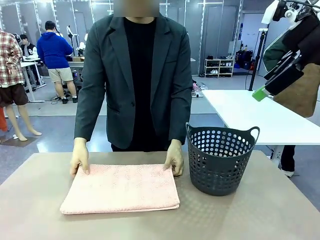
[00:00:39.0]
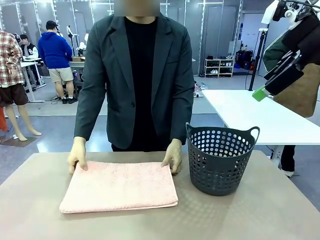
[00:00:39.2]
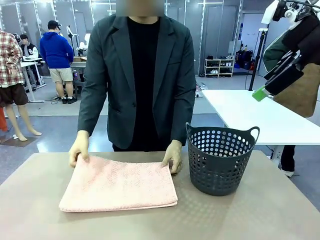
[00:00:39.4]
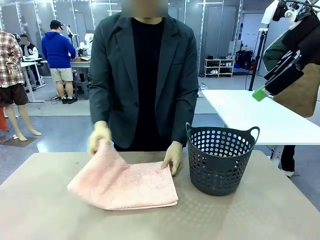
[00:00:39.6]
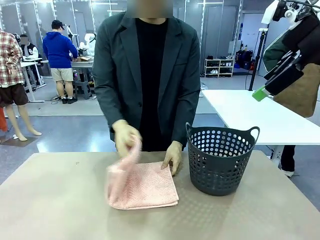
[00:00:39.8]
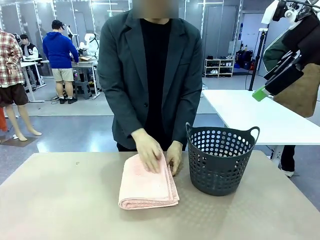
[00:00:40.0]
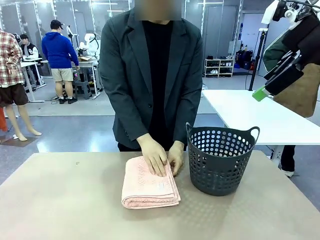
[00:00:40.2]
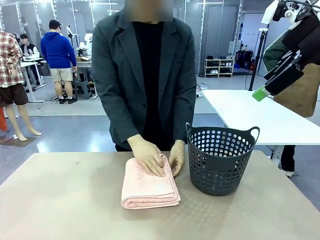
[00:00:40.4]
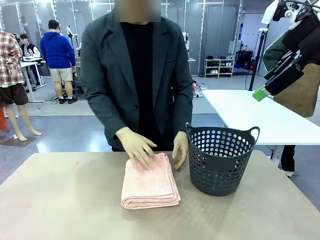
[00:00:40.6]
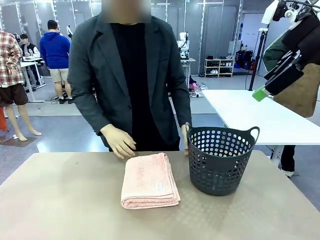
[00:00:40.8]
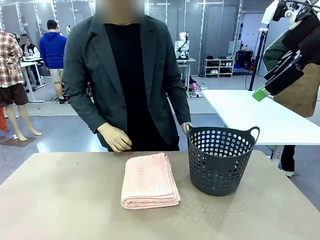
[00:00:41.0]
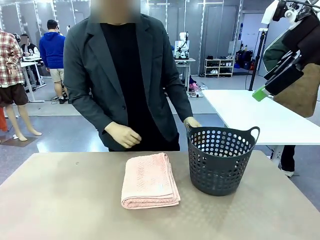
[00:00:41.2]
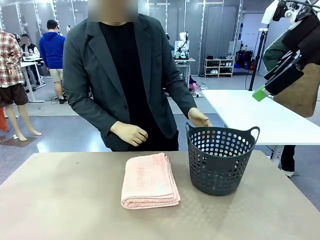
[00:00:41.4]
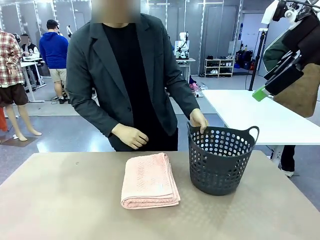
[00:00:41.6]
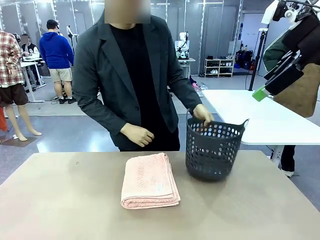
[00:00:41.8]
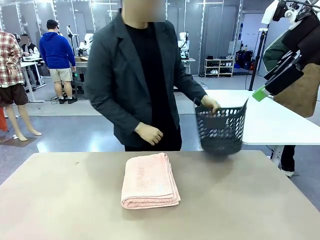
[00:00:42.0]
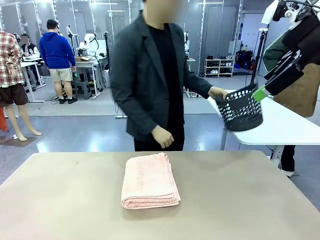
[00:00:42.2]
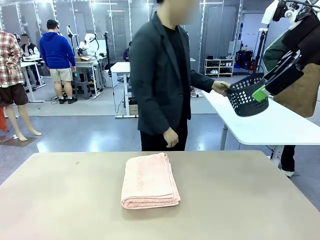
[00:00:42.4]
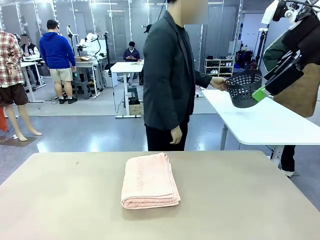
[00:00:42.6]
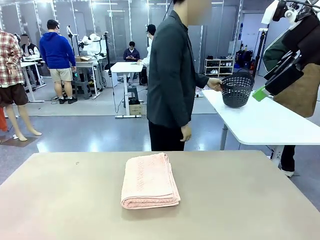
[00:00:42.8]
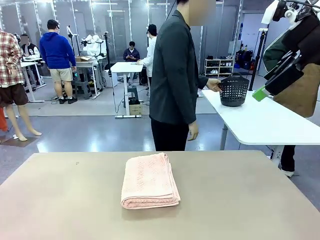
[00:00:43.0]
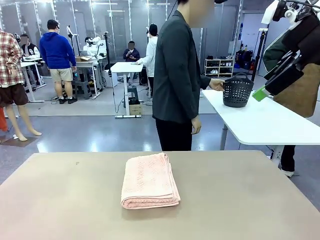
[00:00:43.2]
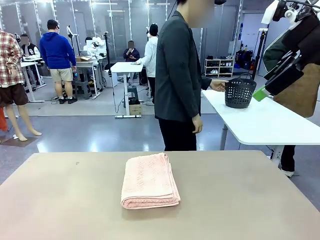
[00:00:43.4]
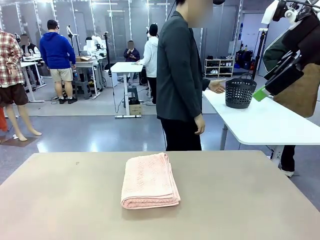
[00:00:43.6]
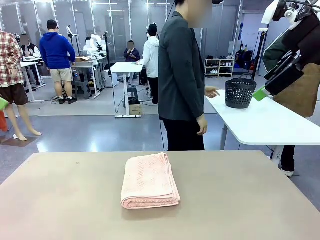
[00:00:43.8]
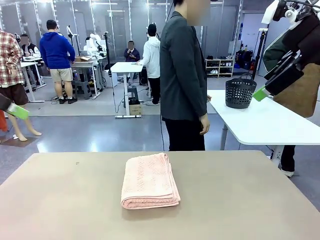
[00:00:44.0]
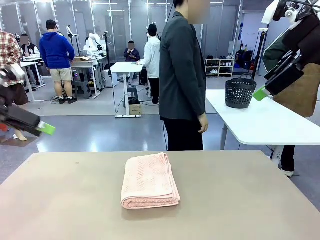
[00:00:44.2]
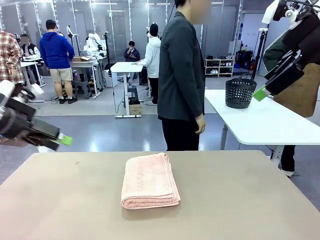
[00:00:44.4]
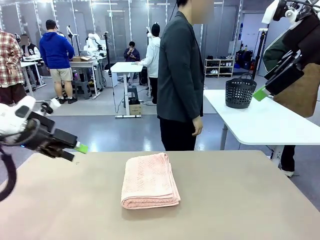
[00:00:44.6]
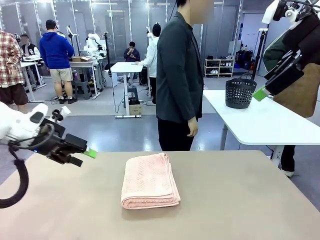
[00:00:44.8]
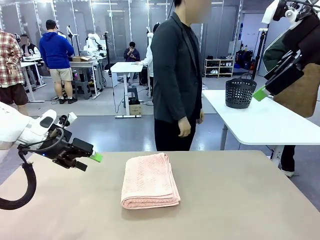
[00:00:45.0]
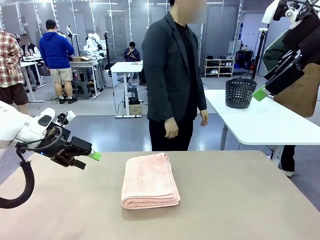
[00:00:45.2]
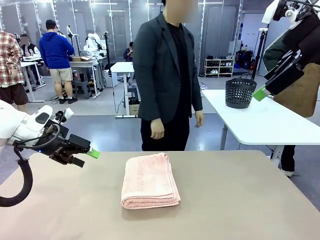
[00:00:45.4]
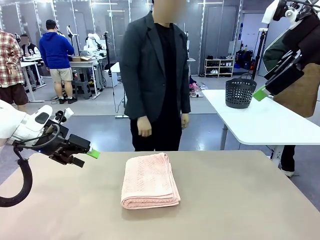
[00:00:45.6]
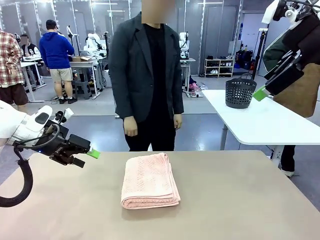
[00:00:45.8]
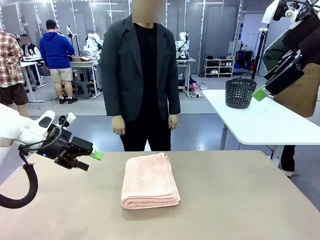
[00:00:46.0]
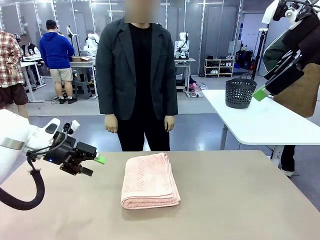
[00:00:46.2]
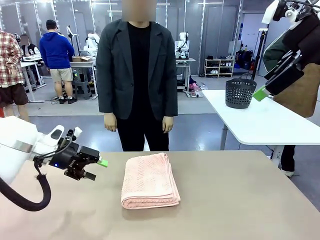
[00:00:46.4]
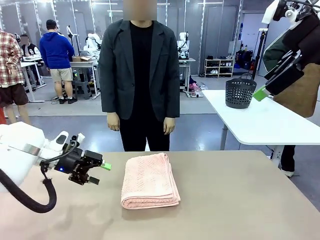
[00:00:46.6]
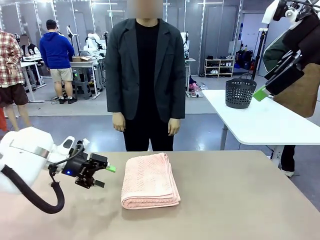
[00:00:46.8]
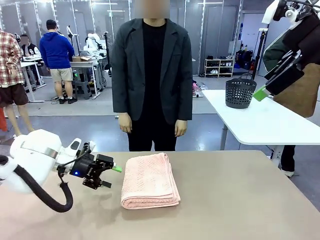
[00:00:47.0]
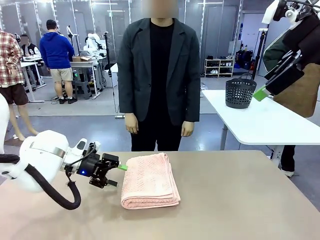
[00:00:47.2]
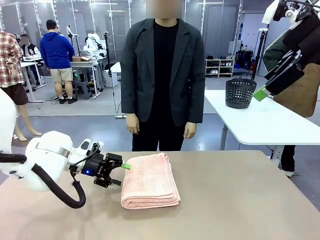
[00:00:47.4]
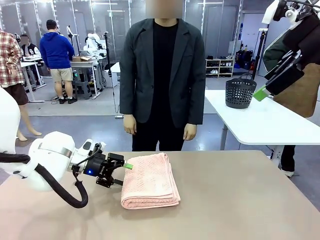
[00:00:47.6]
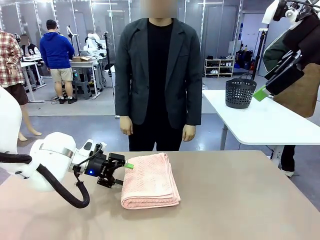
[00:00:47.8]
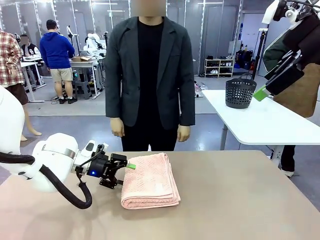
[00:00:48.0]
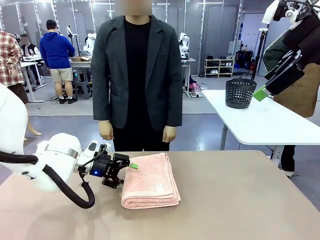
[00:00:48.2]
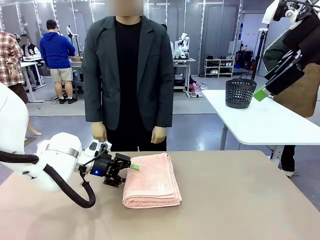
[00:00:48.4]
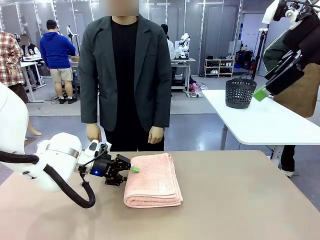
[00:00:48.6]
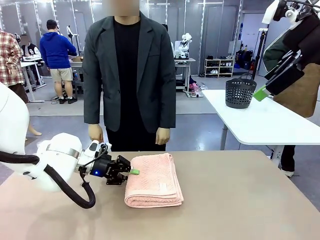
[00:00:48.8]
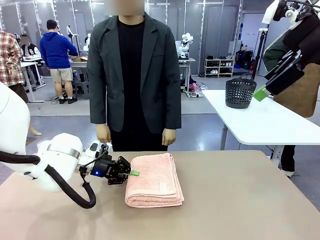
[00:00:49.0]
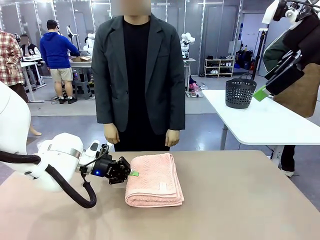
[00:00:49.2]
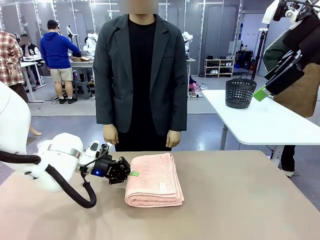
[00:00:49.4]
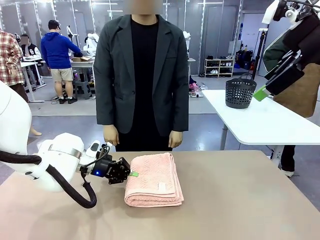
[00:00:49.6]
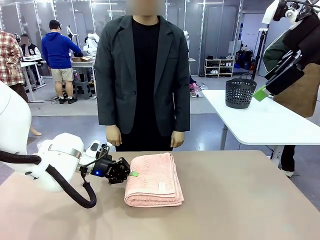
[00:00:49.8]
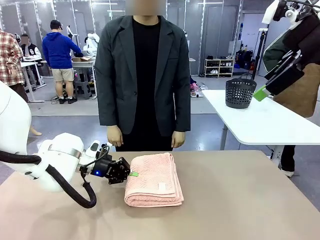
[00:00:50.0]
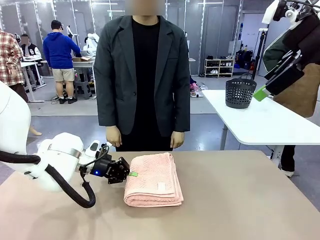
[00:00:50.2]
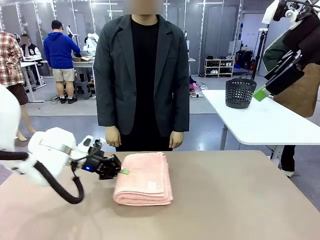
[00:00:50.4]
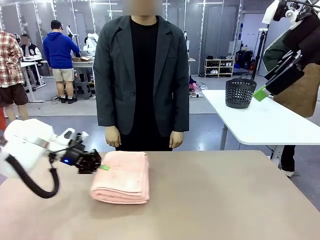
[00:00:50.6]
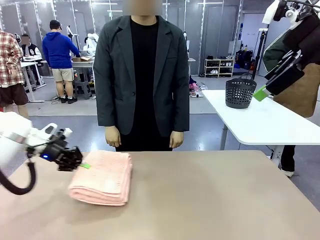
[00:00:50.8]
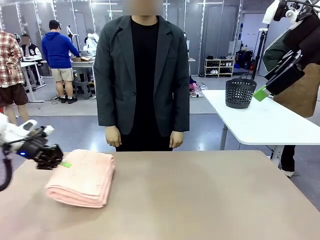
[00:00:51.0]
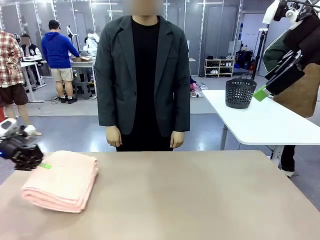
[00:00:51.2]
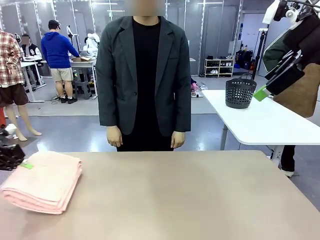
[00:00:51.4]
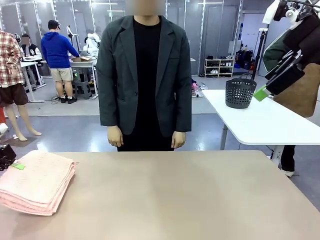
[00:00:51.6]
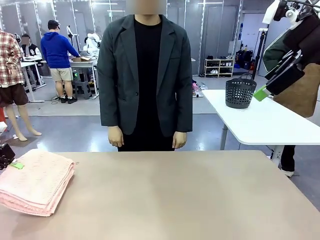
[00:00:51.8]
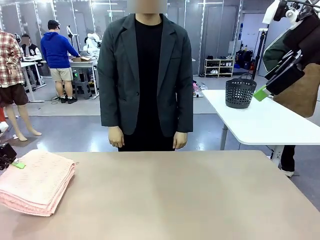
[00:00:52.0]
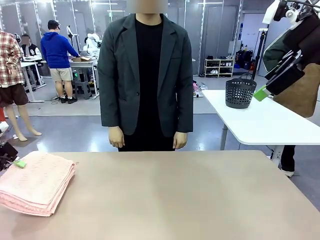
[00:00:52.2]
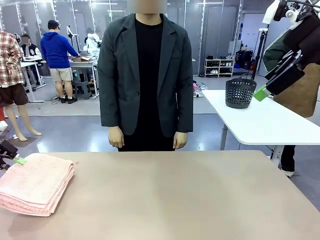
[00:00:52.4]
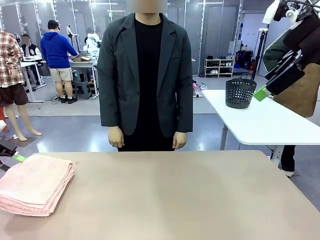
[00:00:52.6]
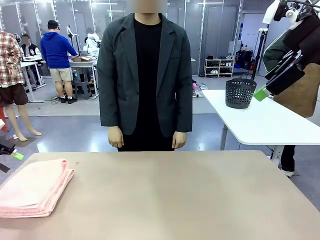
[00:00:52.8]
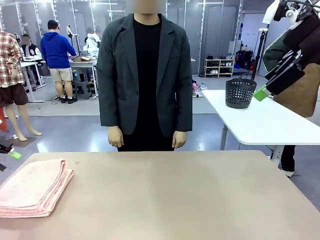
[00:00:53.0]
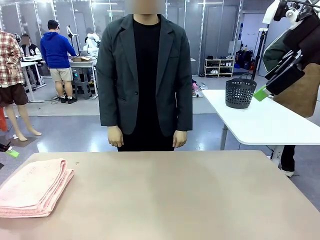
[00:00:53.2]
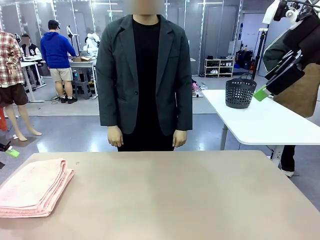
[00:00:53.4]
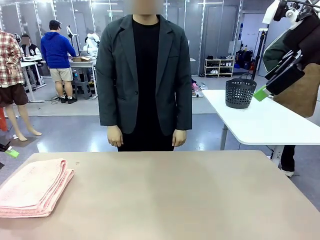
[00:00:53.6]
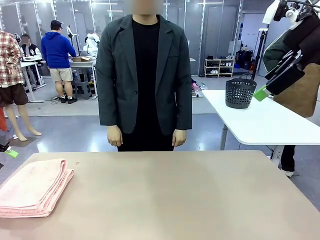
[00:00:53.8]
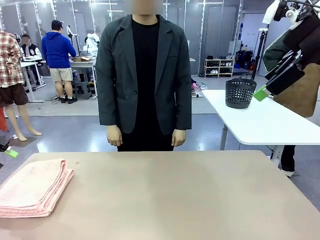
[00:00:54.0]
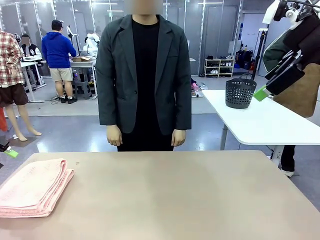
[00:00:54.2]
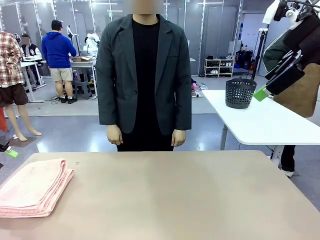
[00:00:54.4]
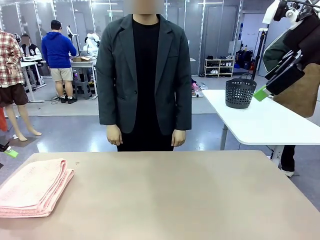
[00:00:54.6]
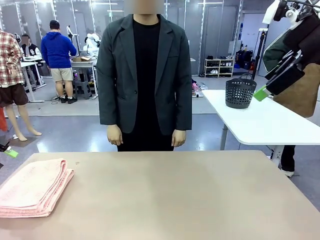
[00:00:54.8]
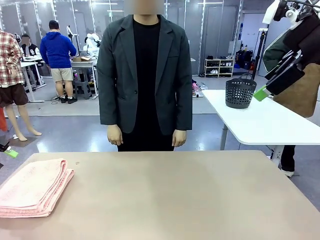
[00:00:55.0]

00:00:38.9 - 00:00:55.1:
Task: Fold the towel.
Robot: Pick up the 100 cm Hotel Towel and place it on the left side of the table.
Person: Pick up the laundry basket and place it at the center of the human table.
